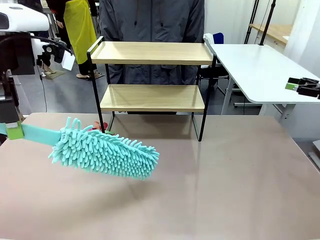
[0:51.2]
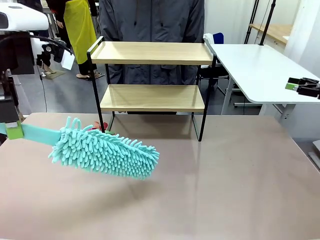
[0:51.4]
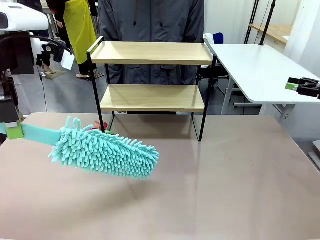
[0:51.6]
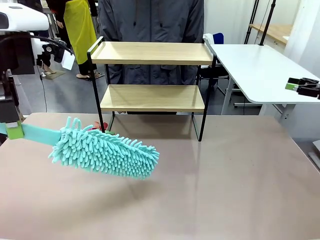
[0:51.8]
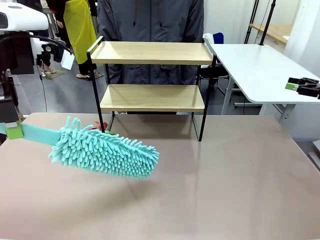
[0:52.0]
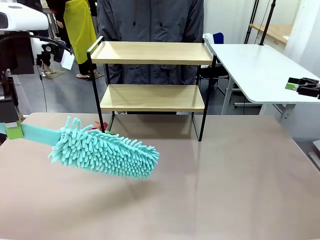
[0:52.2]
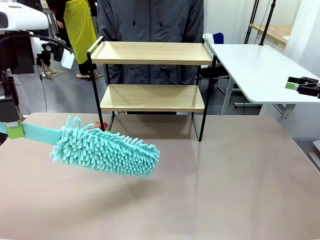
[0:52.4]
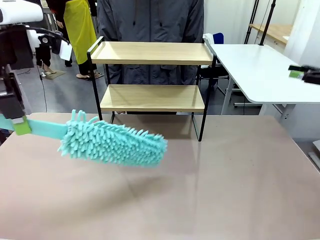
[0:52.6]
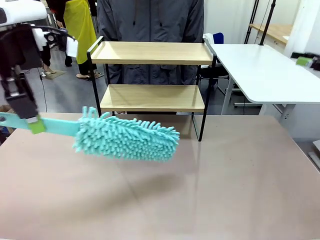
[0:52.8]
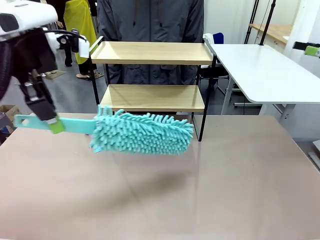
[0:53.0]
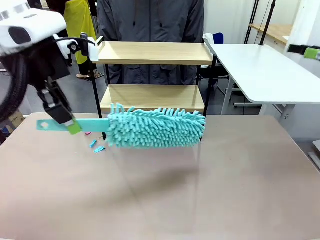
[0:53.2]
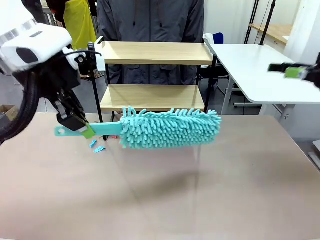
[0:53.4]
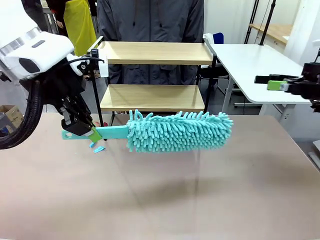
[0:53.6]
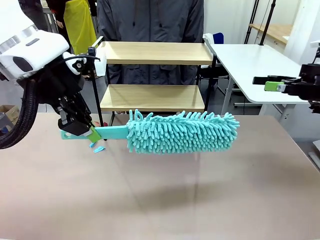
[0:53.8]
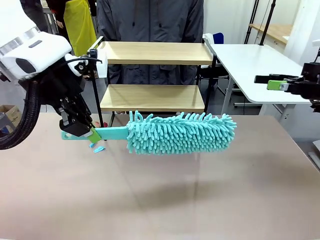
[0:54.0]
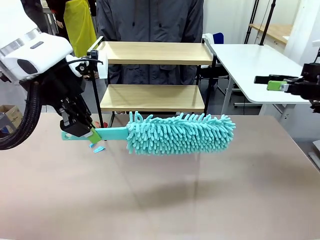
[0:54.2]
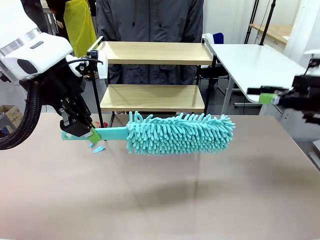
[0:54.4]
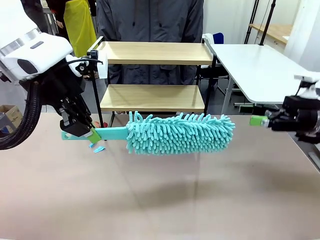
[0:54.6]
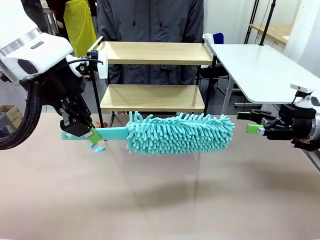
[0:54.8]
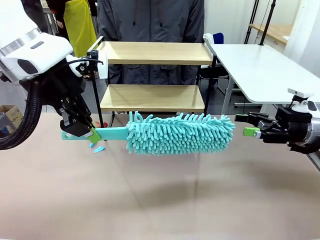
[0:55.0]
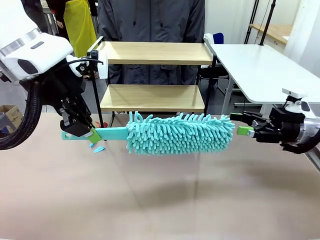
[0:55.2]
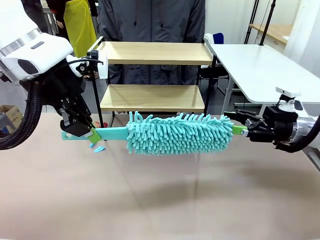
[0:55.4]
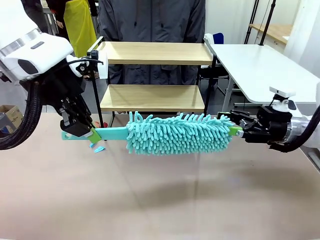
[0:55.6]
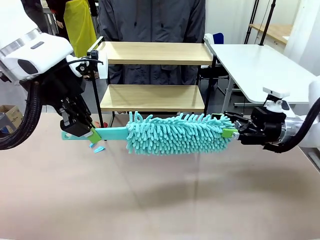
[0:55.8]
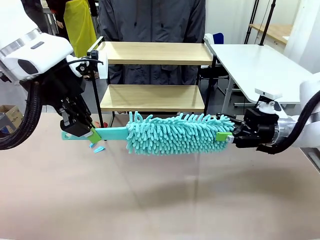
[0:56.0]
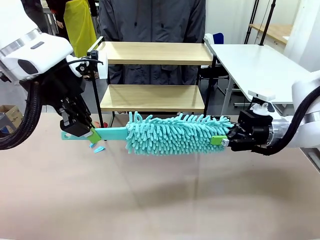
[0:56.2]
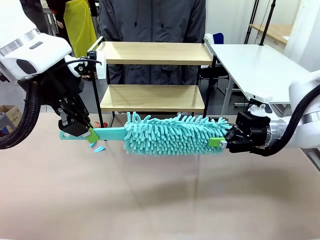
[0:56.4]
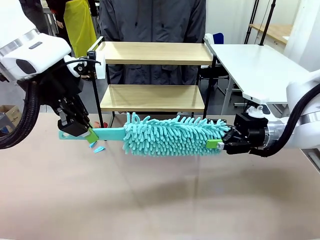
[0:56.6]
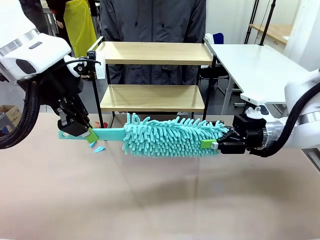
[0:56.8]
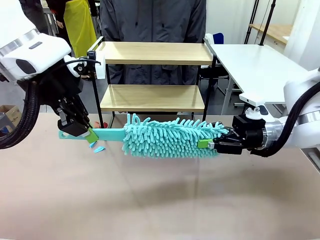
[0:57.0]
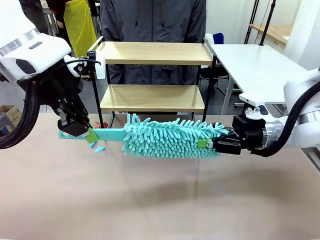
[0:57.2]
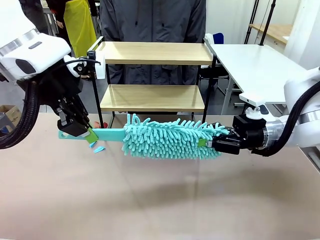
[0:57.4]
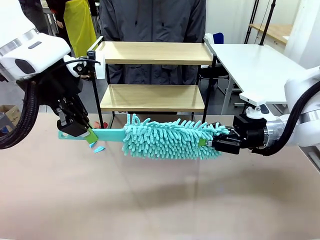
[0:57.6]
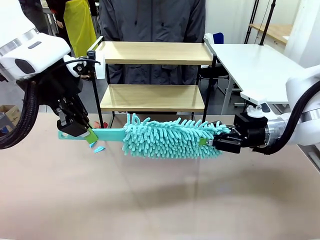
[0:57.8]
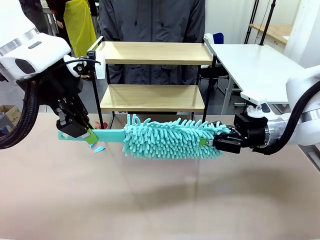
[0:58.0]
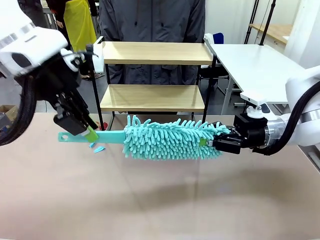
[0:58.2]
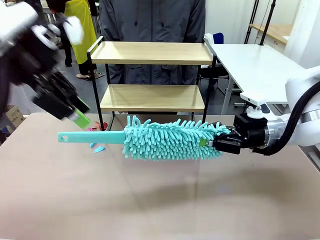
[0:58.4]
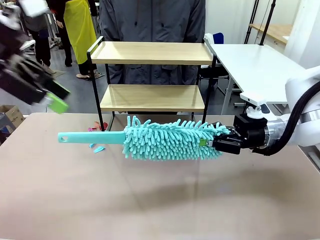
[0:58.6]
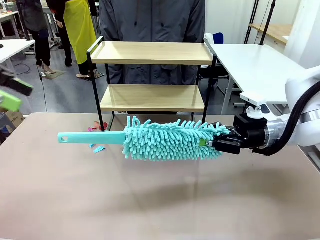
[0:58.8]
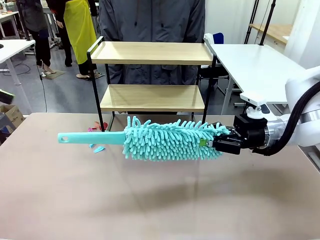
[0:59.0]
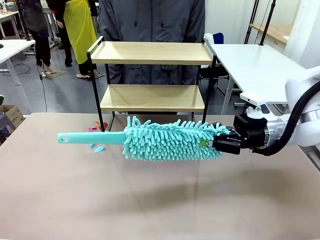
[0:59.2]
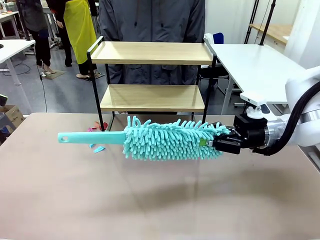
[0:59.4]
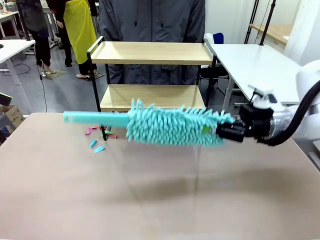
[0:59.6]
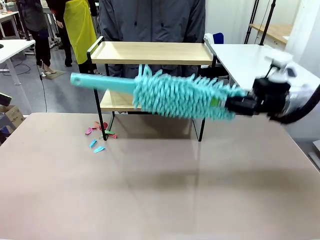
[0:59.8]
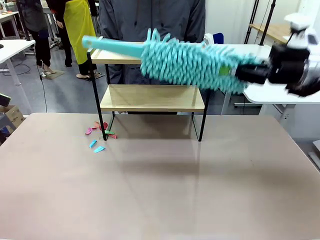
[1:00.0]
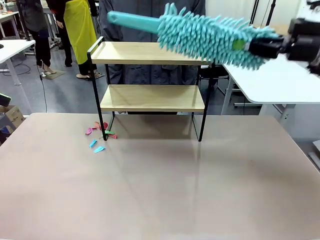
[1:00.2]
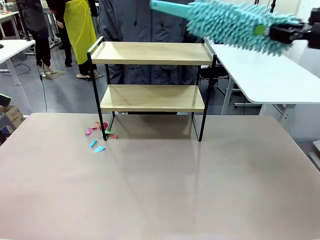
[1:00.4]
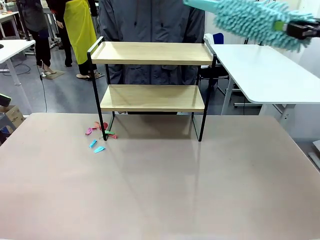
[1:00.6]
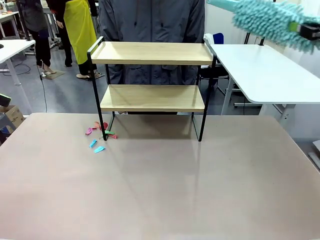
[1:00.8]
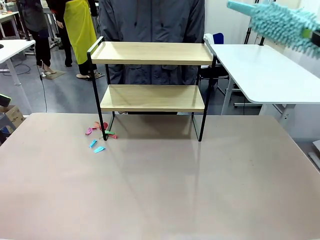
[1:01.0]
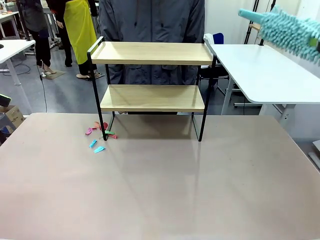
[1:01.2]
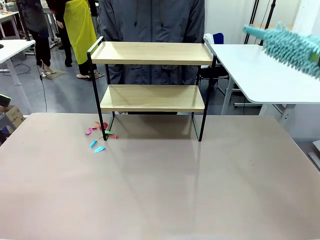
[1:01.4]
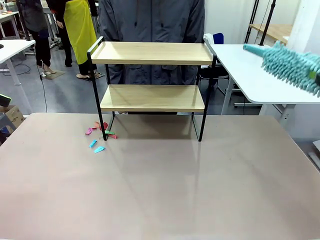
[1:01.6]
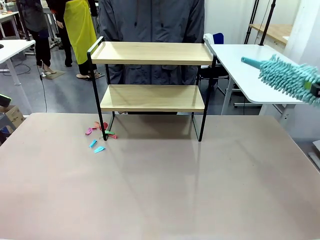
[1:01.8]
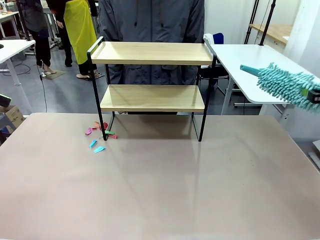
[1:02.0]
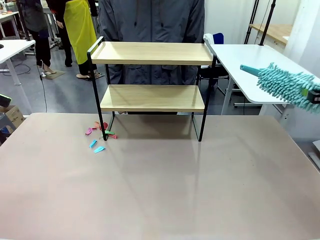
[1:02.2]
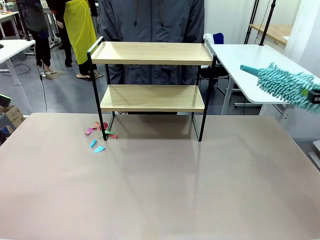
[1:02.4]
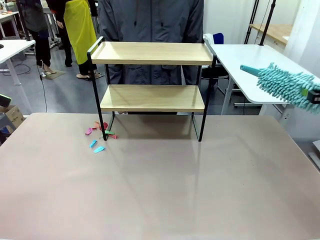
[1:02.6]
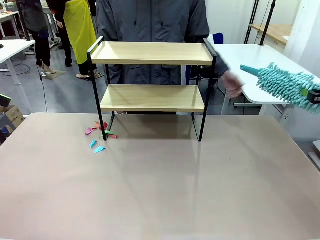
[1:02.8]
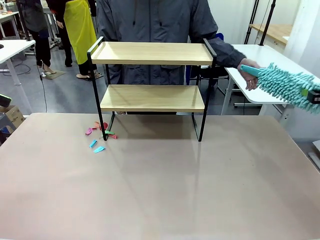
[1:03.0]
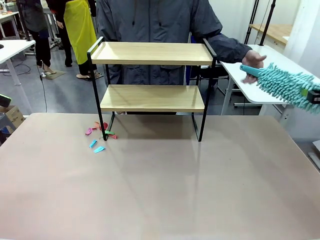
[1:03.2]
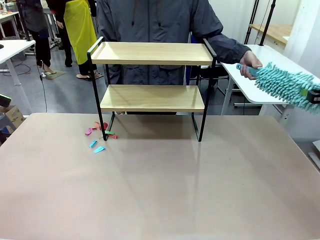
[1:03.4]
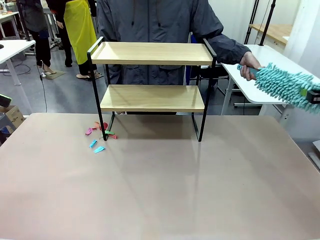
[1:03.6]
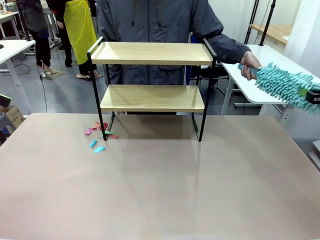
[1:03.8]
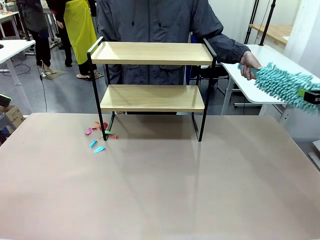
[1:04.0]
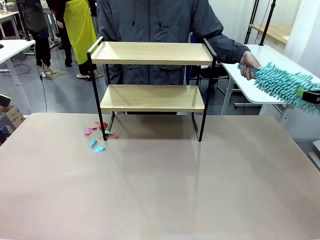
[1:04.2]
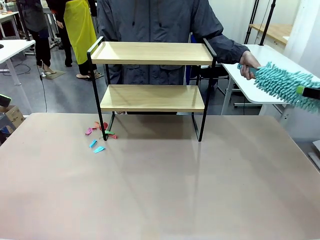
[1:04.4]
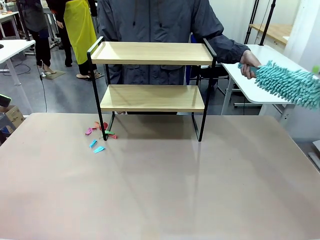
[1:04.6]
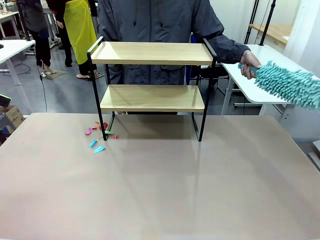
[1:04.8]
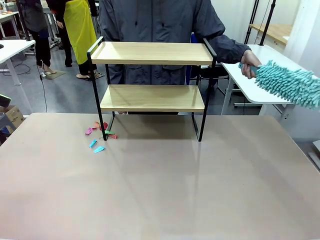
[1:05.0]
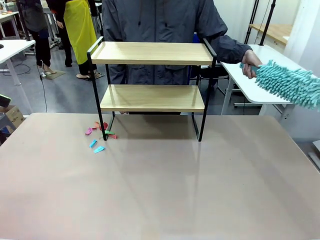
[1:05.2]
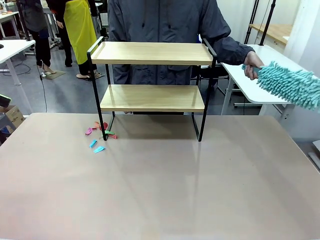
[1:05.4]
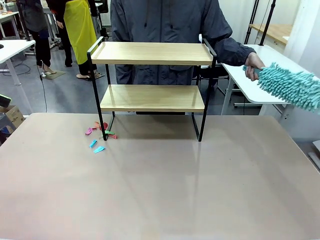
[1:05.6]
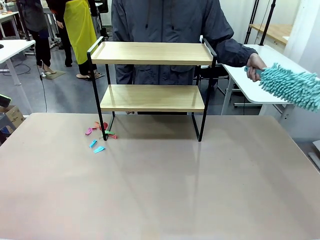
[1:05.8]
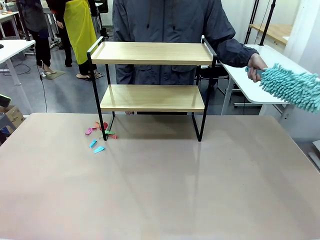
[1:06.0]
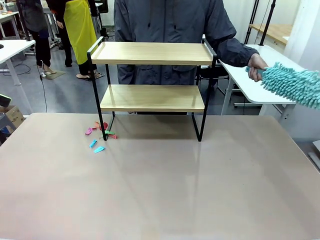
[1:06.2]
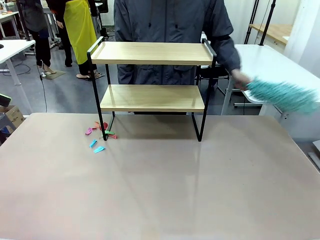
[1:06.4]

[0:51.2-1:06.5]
Task: Clean the shelf.
Robot: Hand the Duster back to the human.
Person: Receive the Duster from the robot.

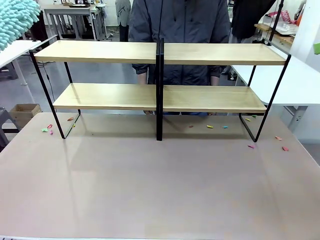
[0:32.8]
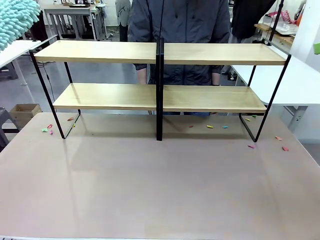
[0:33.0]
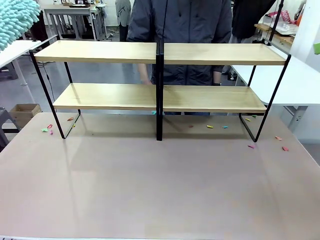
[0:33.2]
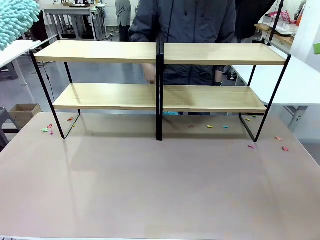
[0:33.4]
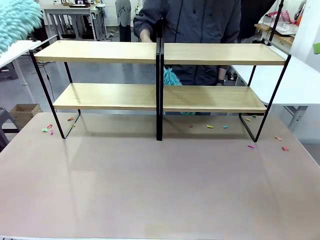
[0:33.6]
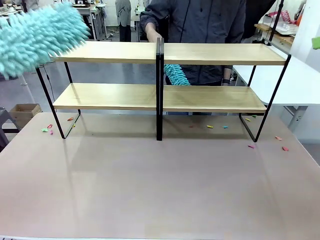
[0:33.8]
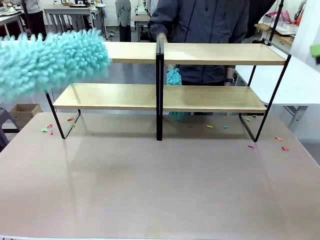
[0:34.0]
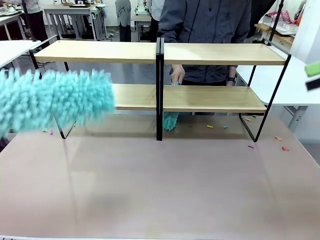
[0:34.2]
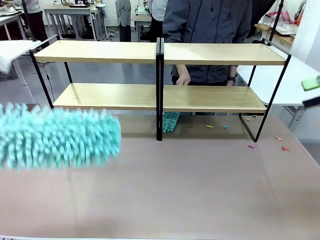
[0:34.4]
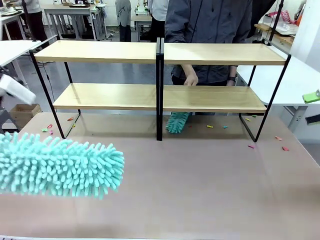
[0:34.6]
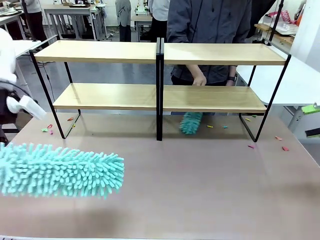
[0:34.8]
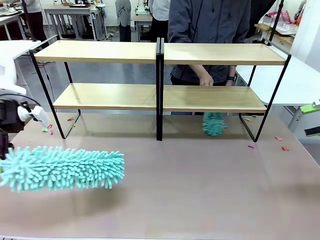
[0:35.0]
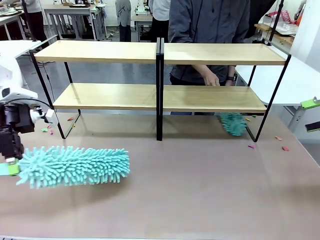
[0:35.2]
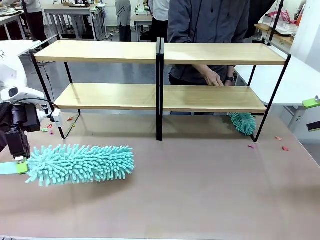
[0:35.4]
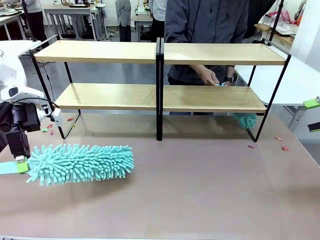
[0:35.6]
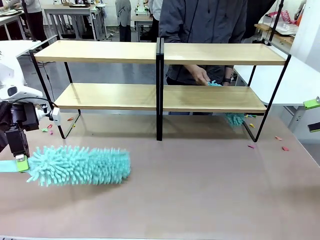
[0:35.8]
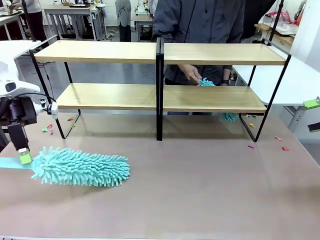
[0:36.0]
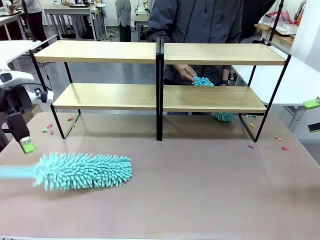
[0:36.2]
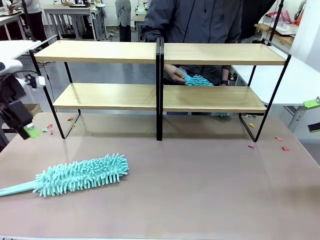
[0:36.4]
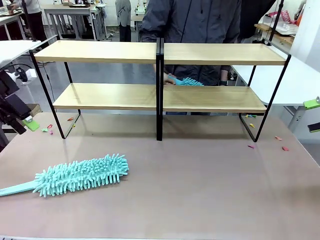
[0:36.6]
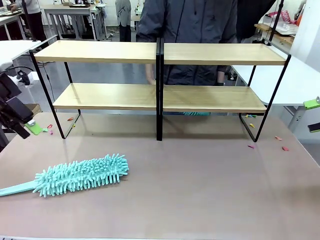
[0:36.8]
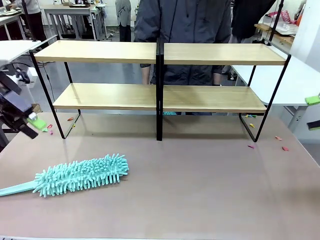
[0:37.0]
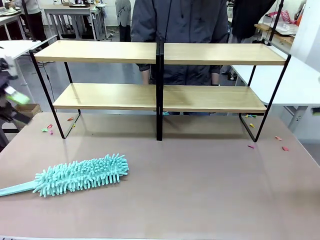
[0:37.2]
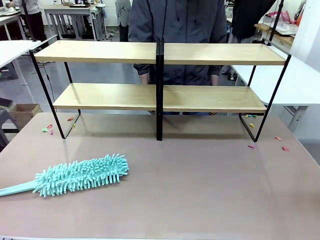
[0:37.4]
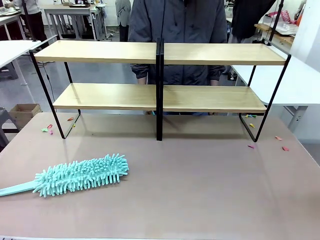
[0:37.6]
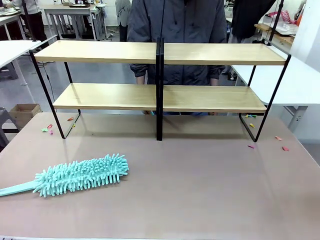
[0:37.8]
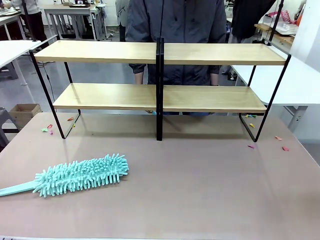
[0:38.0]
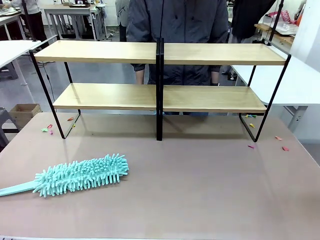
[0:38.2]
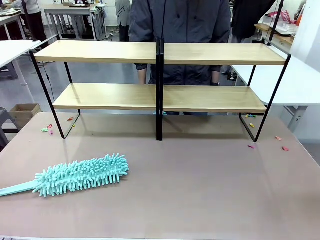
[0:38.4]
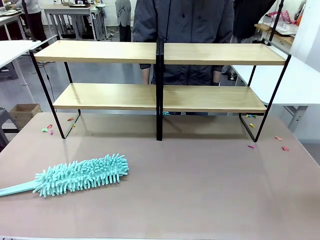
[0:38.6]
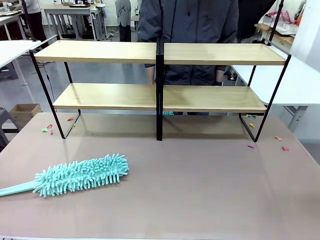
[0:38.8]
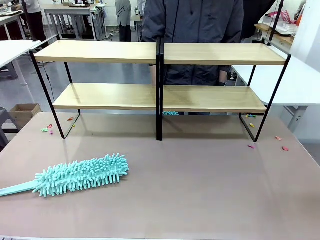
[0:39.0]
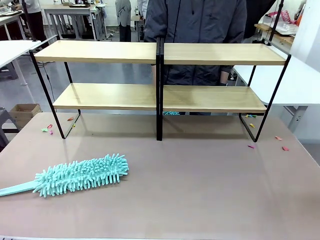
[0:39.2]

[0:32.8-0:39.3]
Task: Clean the shelves.
Robot: Place the Duster on the table.
